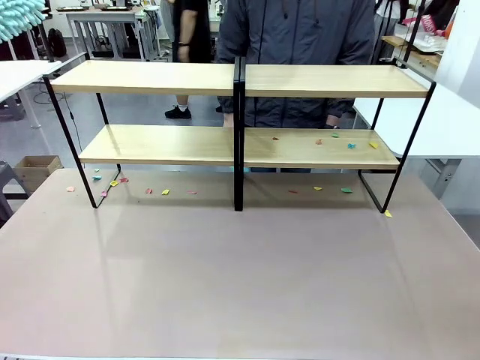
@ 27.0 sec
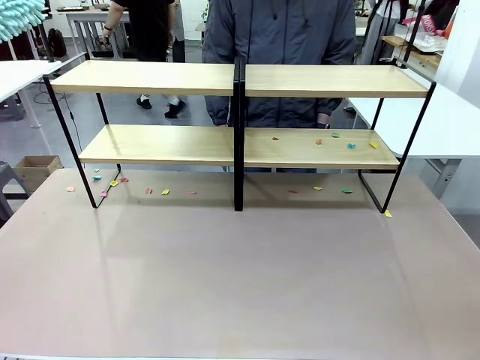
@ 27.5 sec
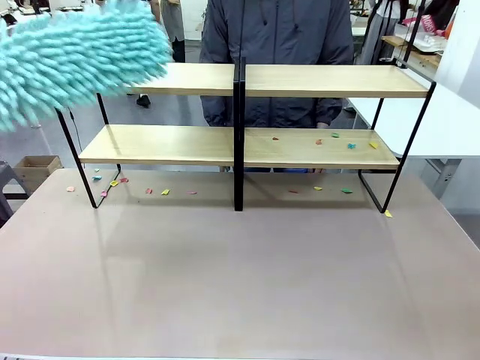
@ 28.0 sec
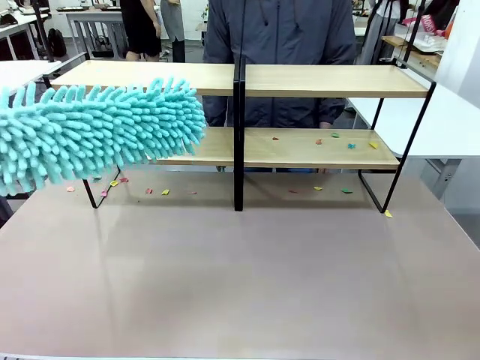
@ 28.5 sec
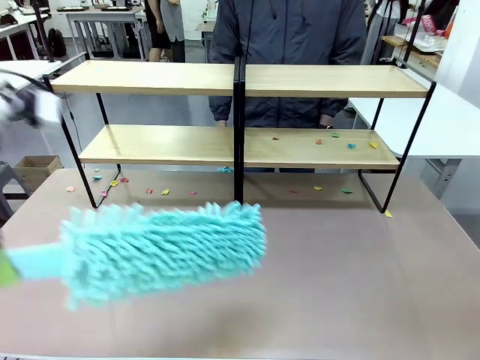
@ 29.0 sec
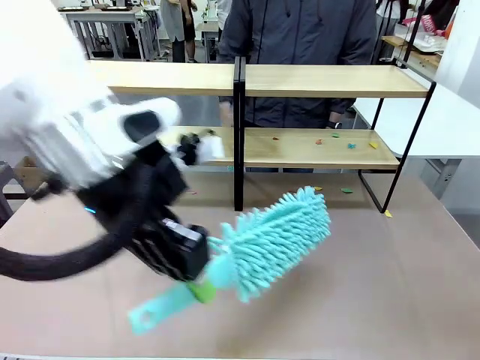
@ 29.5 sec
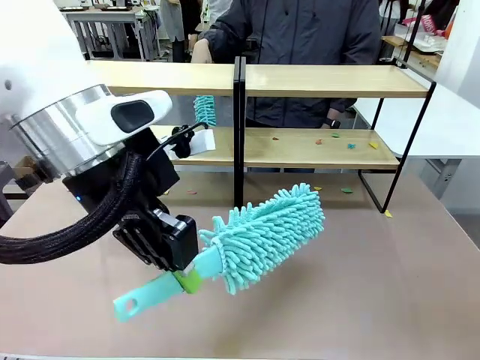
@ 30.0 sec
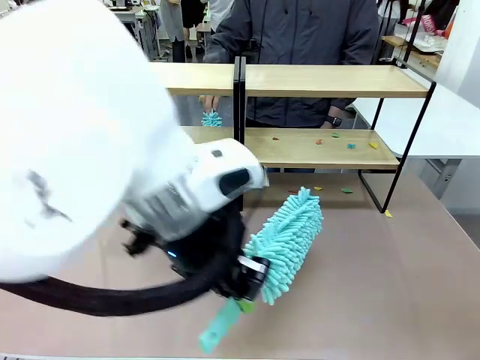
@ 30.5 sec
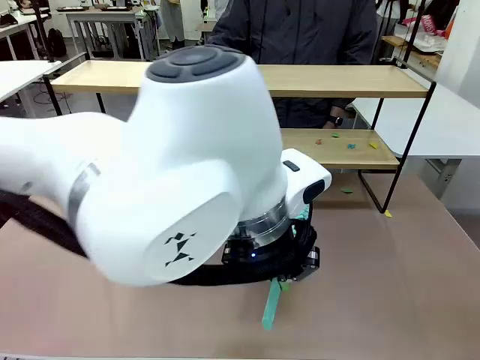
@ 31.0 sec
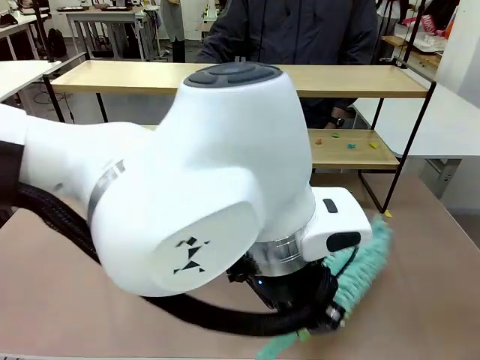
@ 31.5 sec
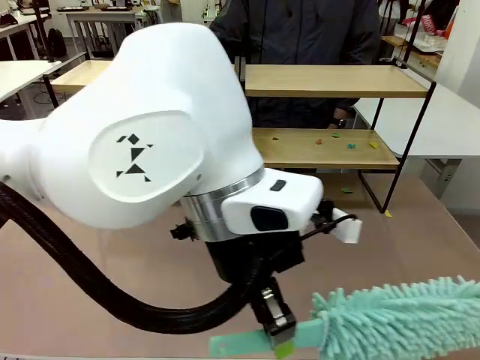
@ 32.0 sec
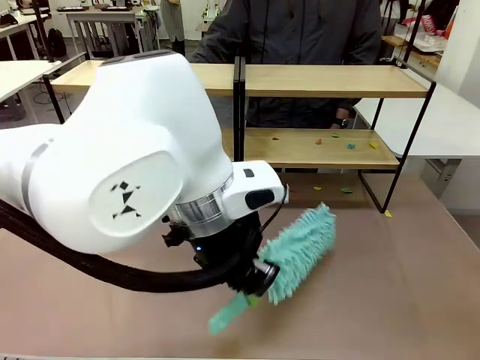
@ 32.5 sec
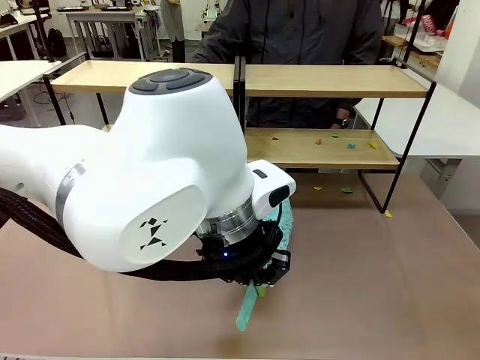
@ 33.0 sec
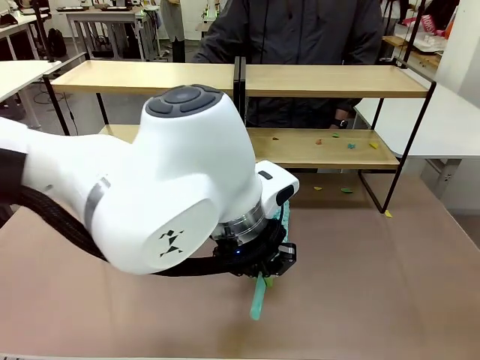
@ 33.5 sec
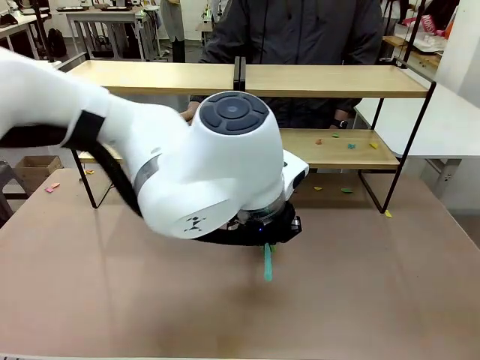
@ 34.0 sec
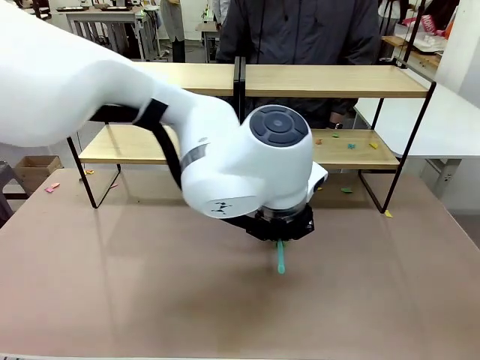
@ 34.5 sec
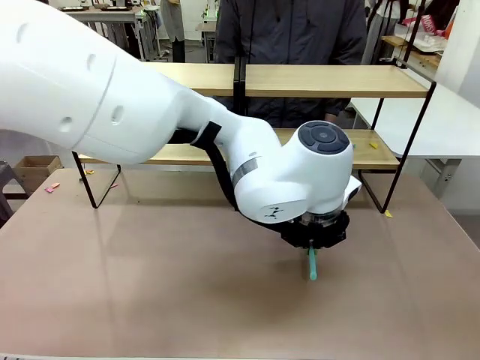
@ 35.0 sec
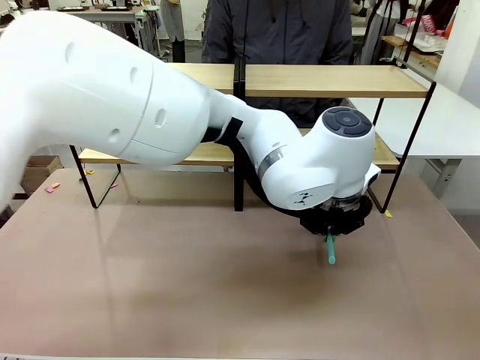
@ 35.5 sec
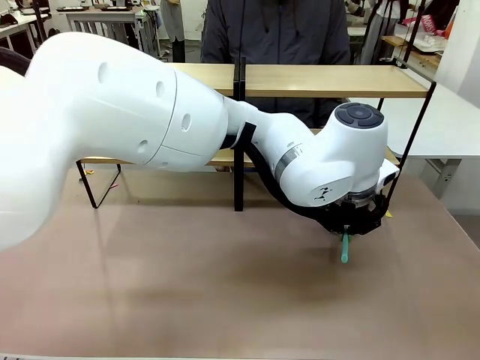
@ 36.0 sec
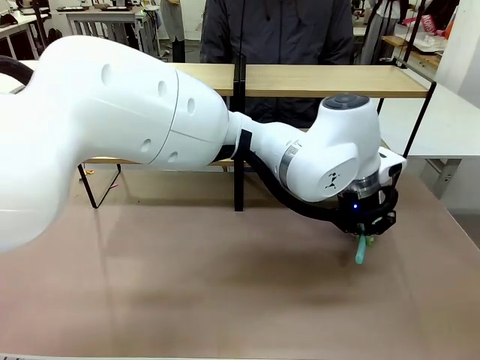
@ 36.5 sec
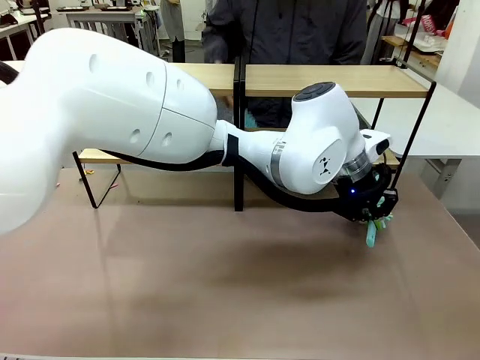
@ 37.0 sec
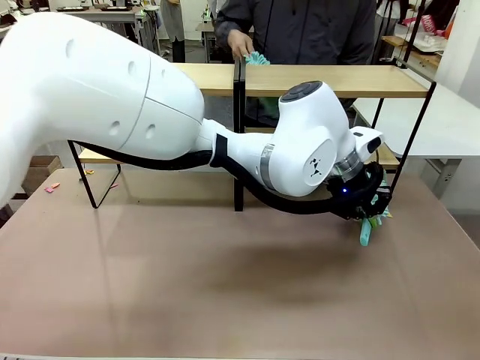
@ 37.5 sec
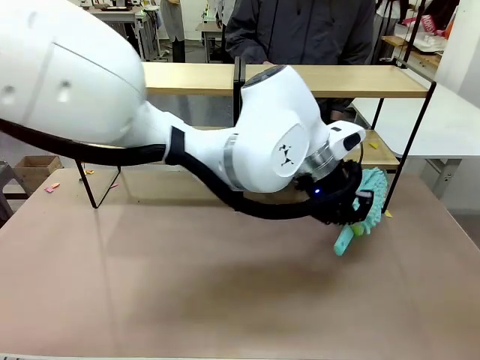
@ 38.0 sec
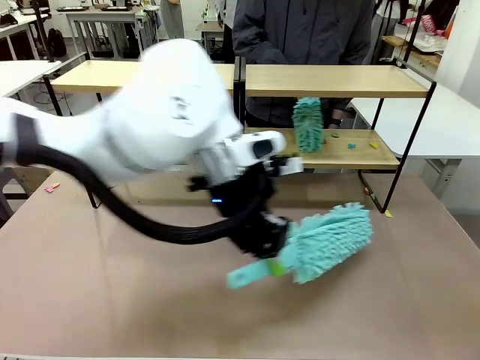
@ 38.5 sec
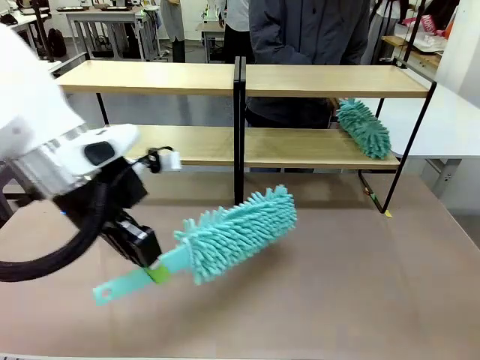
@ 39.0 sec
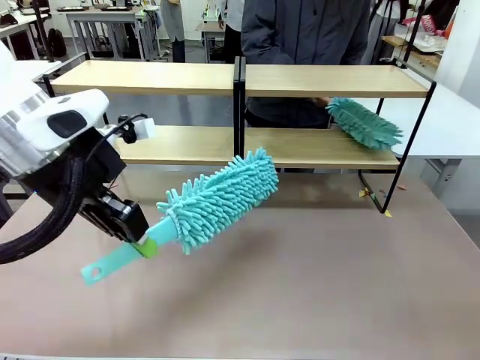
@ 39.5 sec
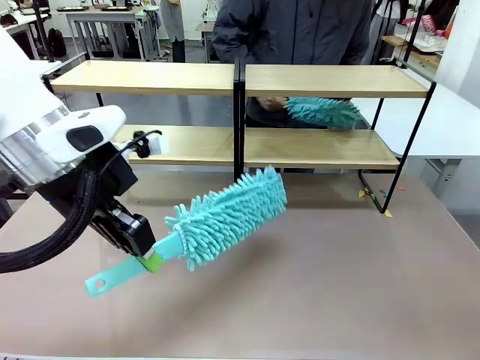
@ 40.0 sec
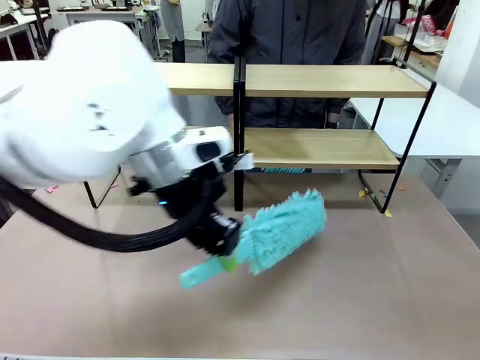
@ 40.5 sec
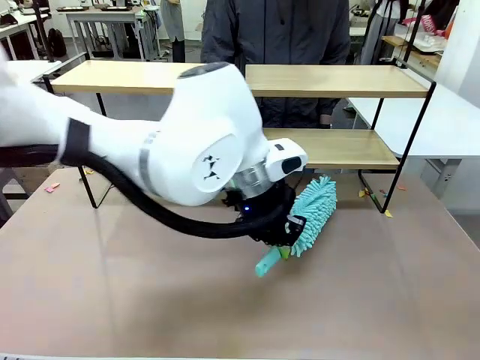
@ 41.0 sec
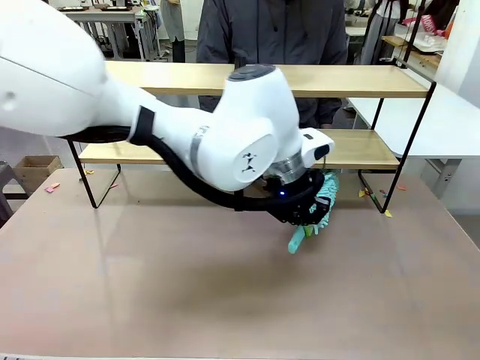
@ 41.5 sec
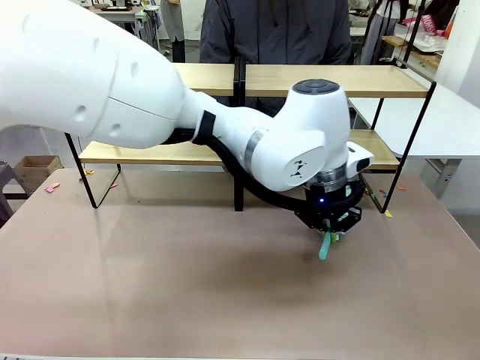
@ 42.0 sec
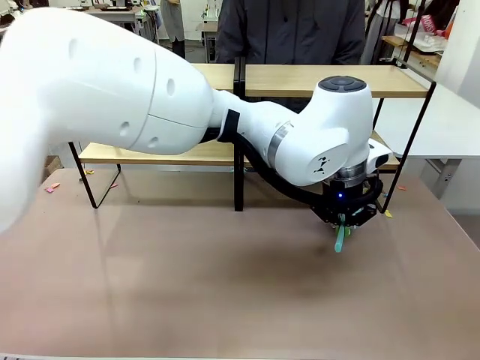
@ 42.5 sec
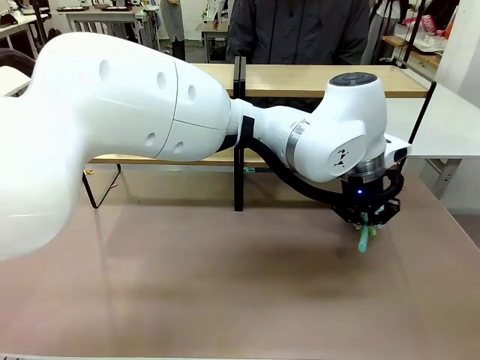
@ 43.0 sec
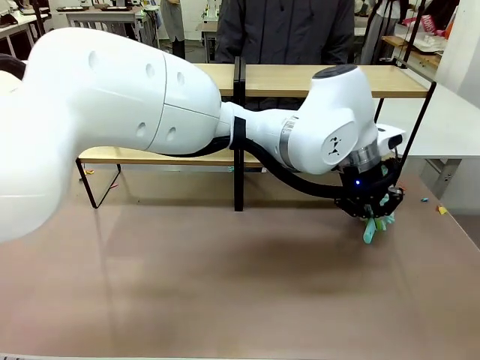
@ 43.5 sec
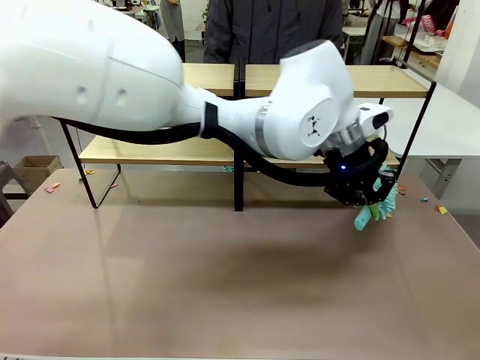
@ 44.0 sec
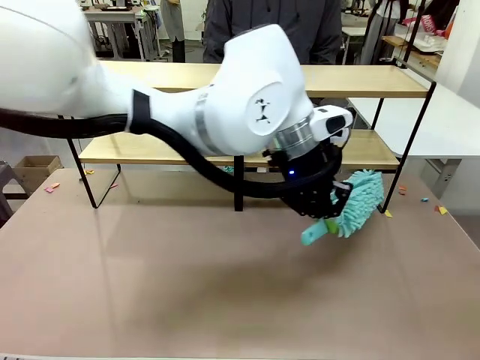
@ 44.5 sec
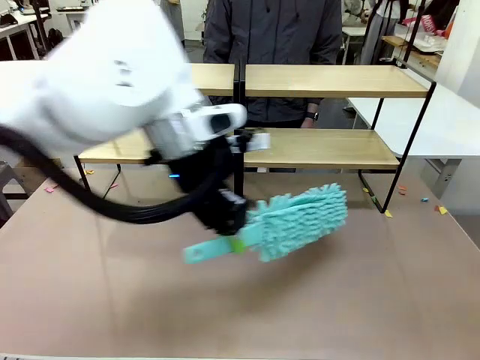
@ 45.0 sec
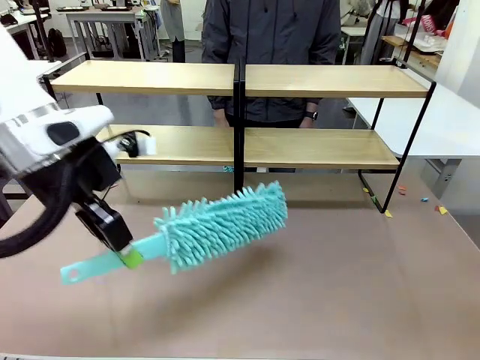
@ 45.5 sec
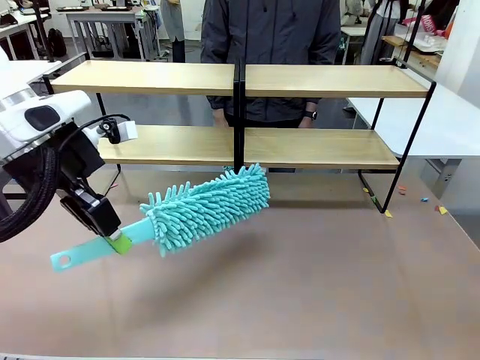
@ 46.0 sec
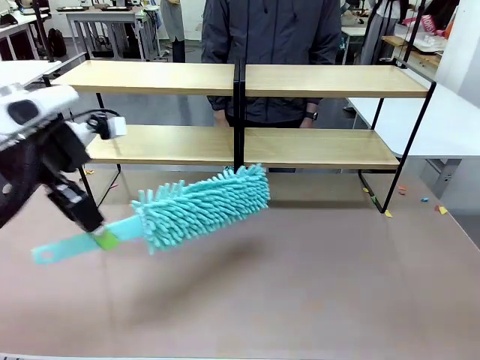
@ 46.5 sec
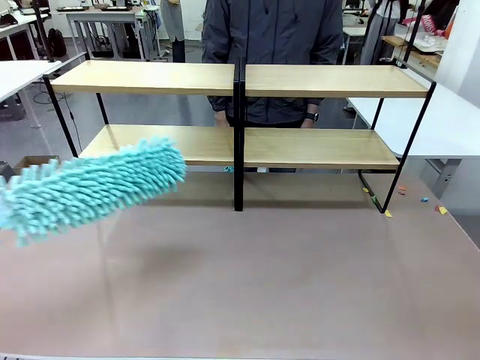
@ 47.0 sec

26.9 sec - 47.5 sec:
Task: Clean the shelves.
Robot: Clean another randomly selected level of the Shelf with the Duster.
Person: Clean a randomly selected level of the Shelf with the Duster.

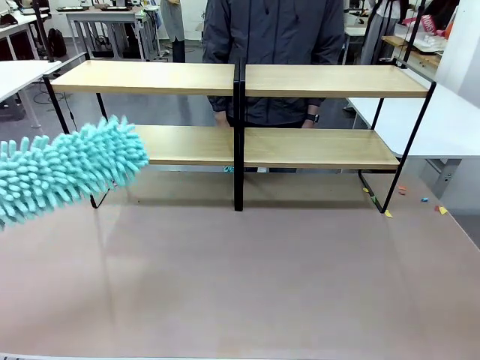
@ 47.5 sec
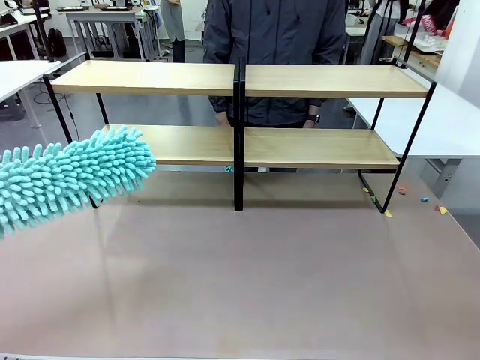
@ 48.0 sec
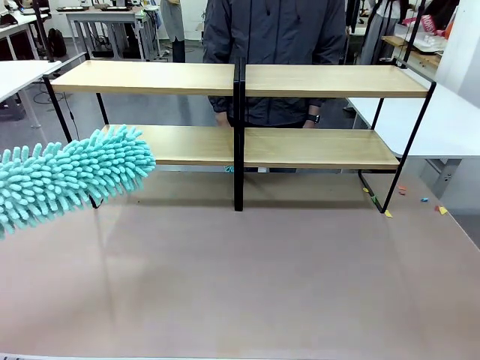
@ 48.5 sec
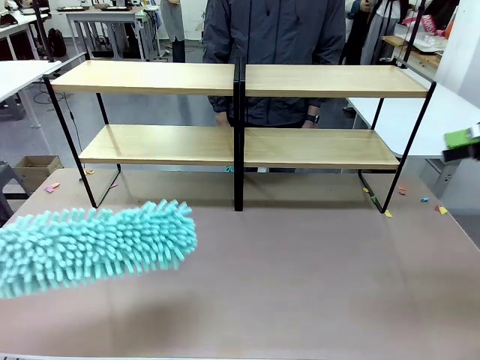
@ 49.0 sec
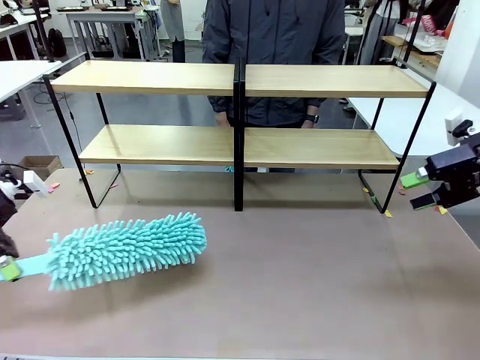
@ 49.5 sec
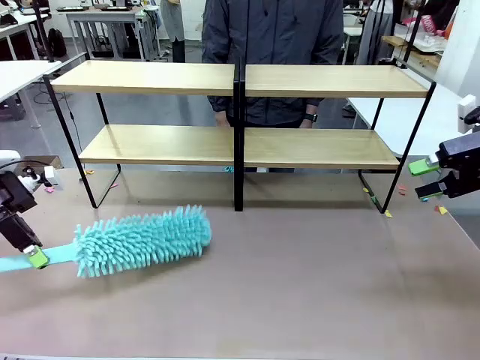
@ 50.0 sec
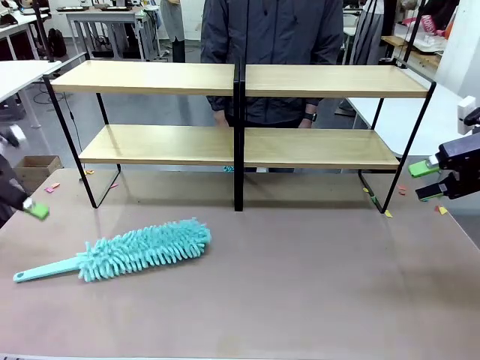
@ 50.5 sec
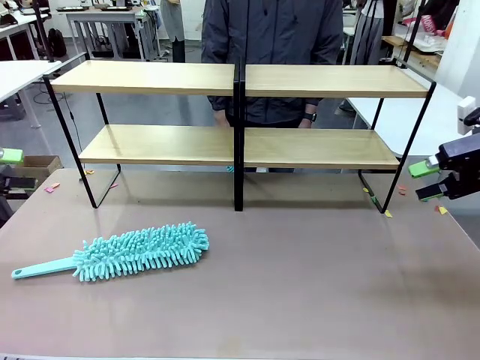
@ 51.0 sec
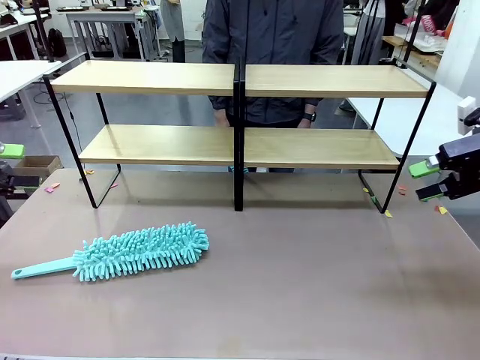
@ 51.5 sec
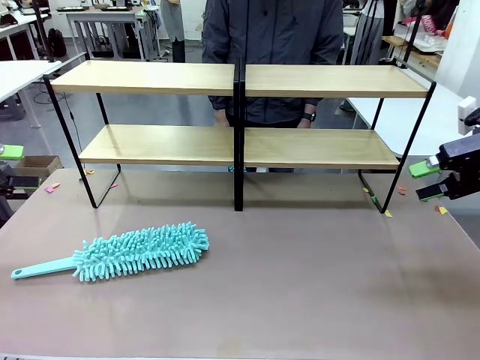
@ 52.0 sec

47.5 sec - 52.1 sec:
Robot: Place the Duster on the table.
